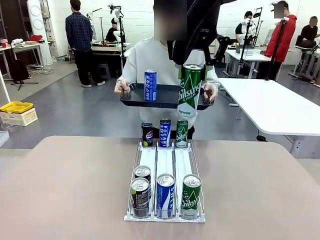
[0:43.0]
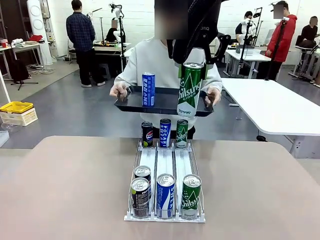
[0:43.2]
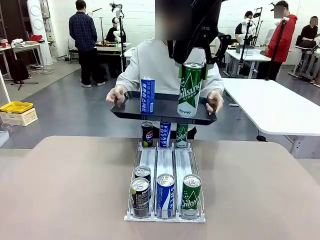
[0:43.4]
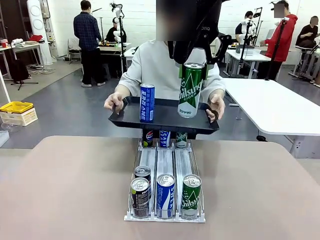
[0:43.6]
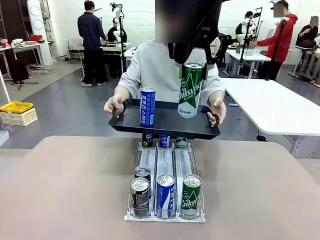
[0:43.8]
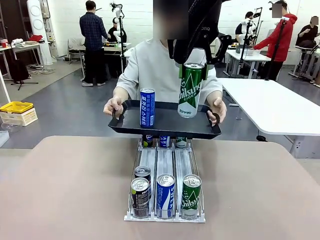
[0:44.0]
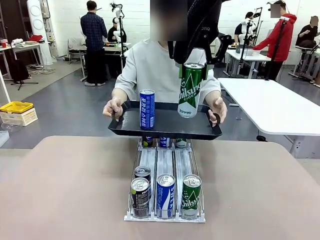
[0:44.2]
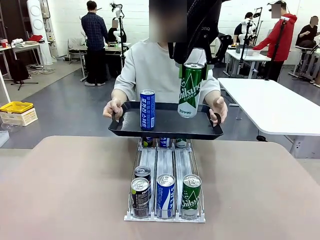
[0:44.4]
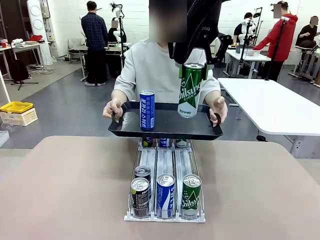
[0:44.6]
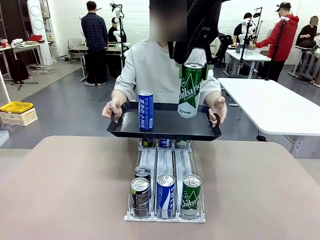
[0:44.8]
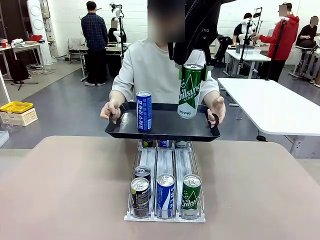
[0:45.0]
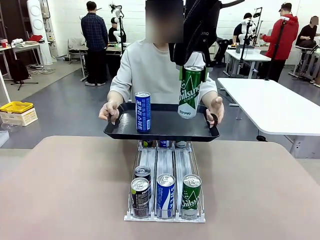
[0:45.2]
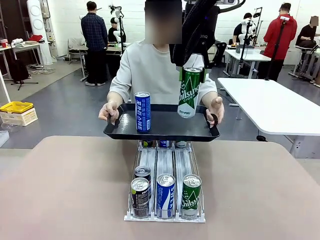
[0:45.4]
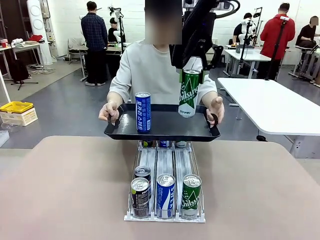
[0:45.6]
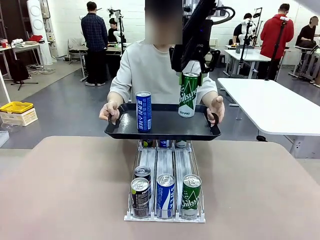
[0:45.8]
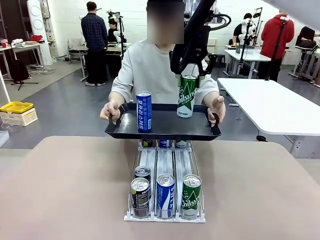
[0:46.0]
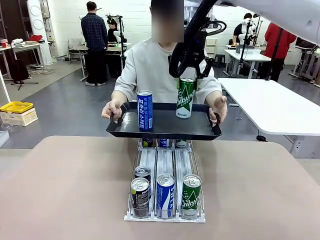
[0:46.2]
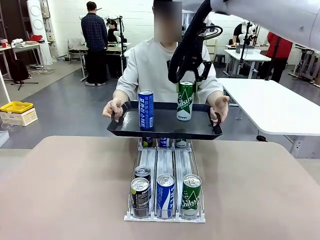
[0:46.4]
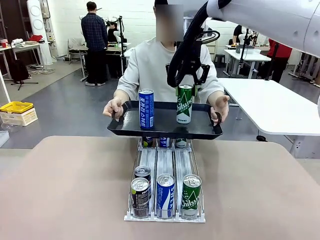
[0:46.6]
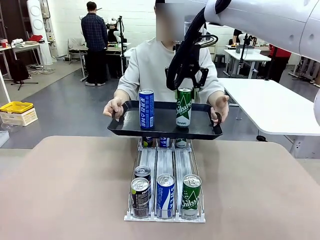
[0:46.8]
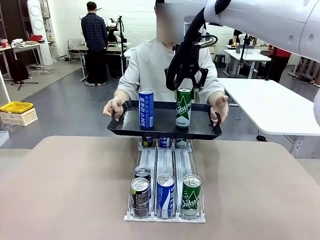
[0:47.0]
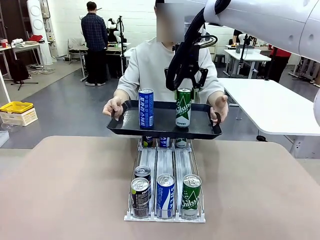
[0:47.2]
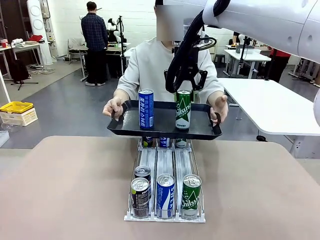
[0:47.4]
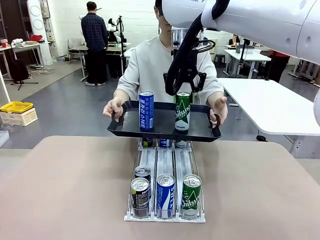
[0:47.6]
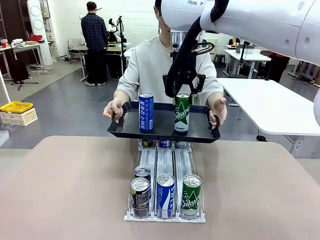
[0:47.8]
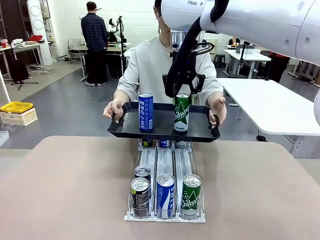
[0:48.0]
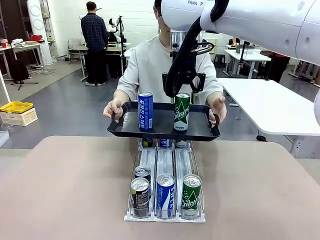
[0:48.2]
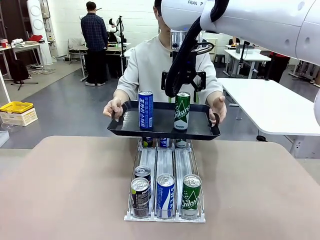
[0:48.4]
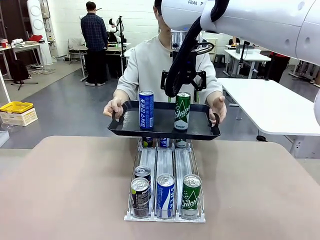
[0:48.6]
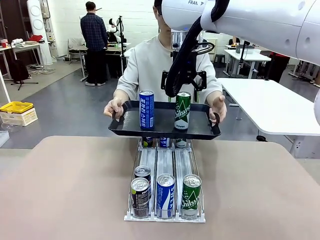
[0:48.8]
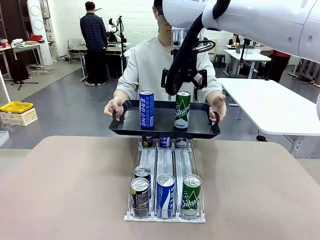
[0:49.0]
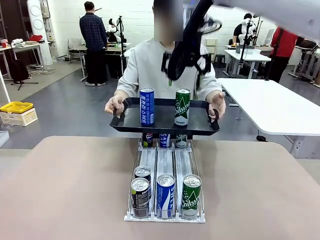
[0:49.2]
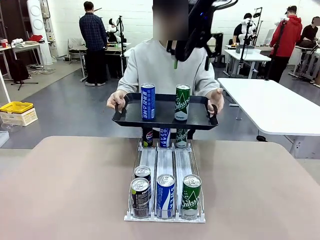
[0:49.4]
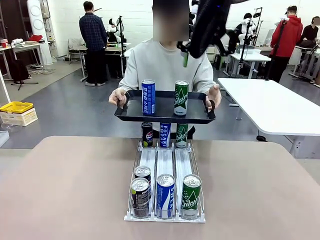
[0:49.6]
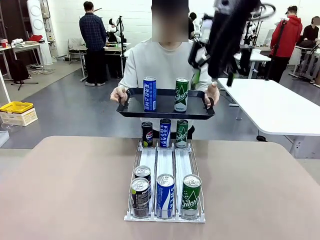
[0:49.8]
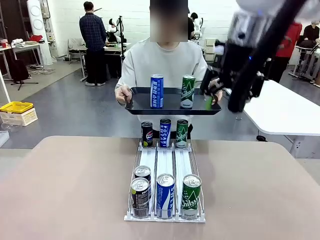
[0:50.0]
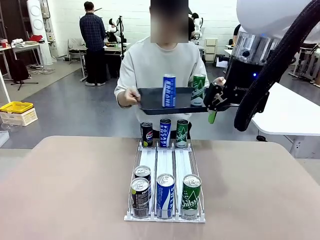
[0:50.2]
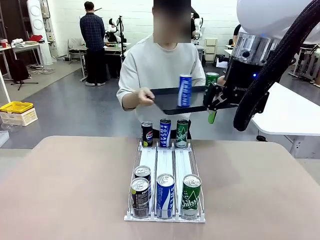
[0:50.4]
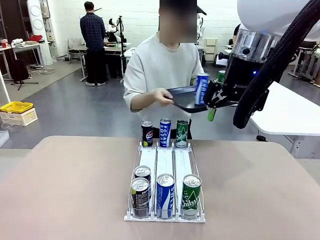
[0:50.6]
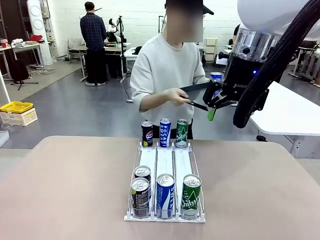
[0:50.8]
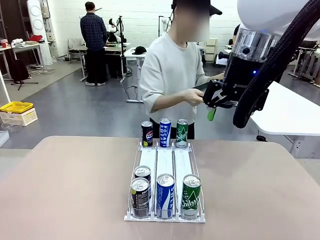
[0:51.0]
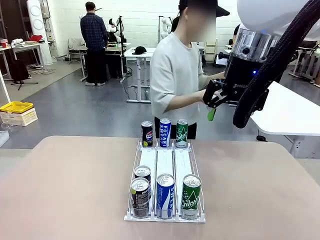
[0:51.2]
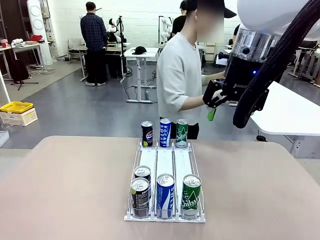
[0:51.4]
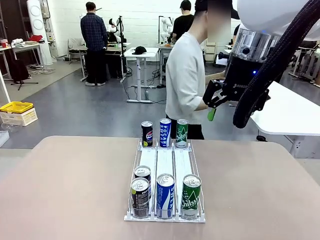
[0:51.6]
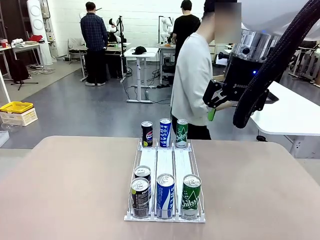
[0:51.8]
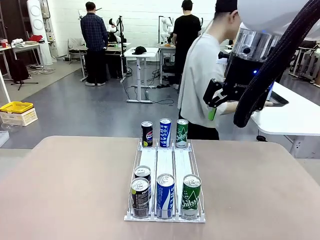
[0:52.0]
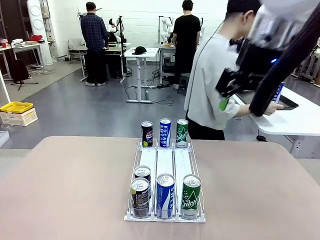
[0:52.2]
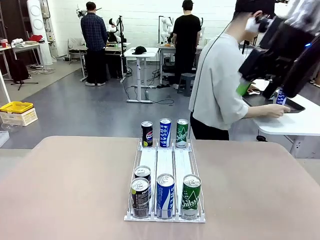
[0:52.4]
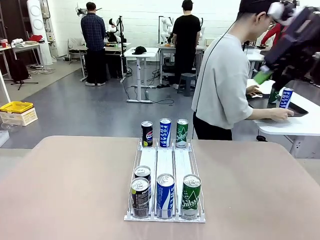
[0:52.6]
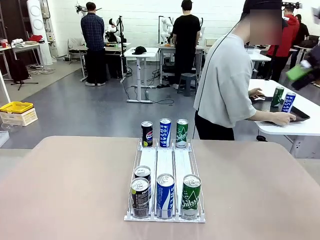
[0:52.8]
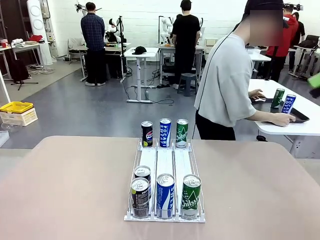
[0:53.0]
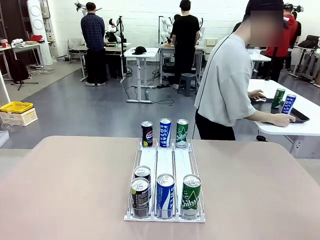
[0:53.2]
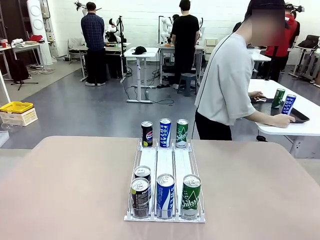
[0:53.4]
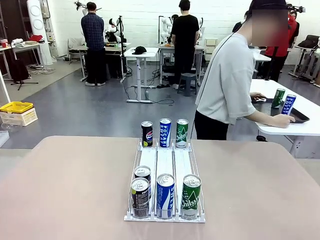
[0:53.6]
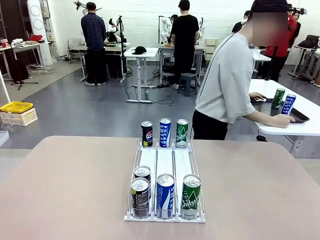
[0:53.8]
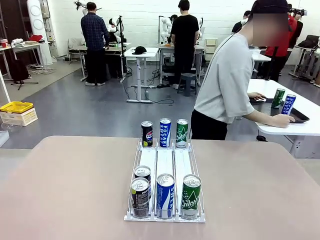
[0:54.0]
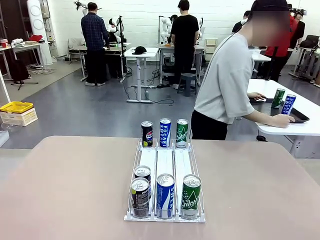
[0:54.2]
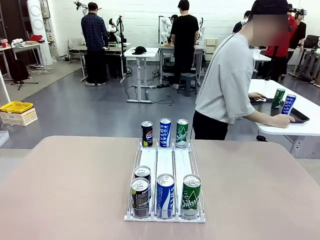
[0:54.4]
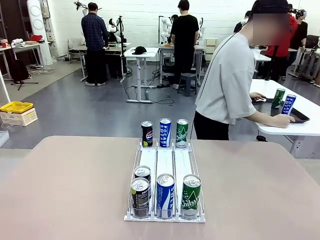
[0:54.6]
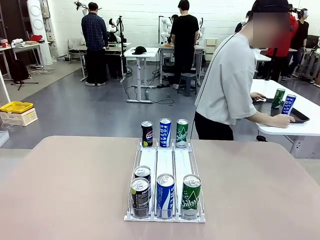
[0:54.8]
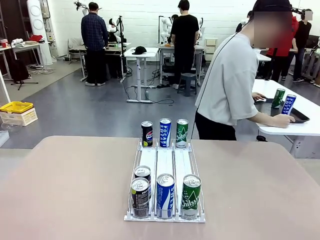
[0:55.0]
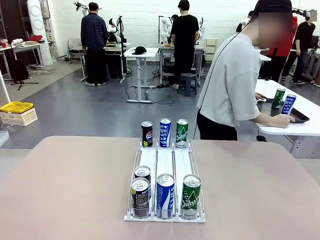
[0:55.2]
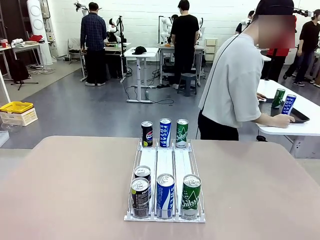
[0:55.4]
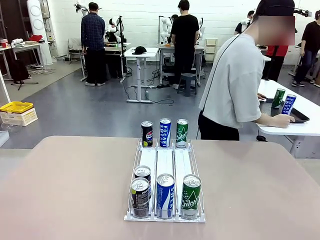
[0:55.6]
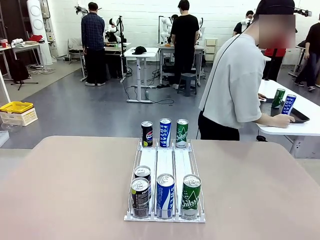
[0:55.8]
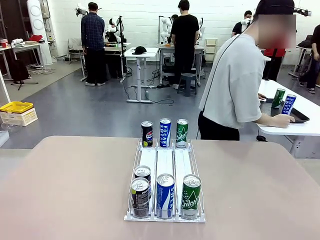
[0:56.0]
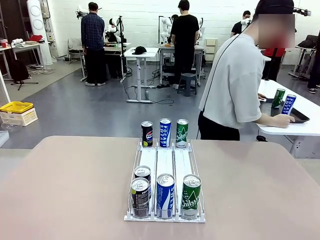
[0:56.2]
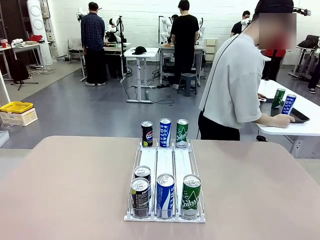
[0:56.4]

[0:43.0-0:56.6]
Task: Retrieve and hand over the desired beverage to the person.
Robot: Place the picked can on the Handle tray extended by the person.
Person: Pull the tray back and place it at the center of the human table.

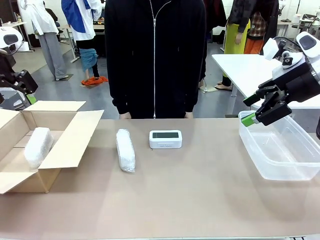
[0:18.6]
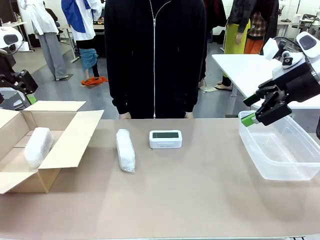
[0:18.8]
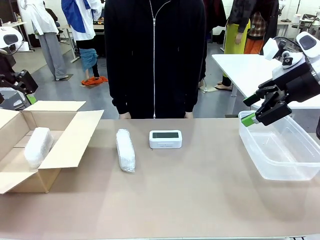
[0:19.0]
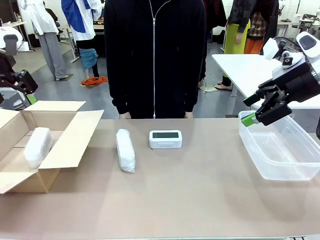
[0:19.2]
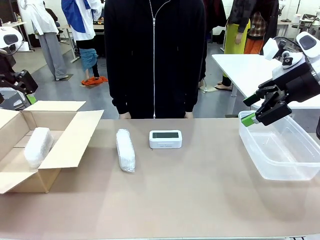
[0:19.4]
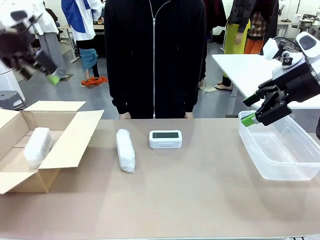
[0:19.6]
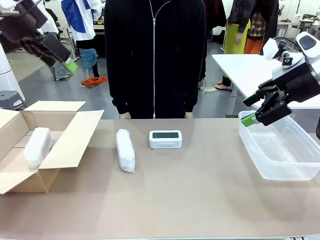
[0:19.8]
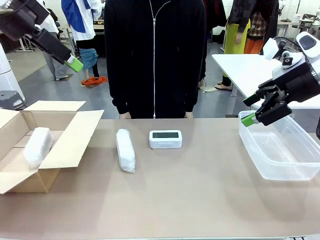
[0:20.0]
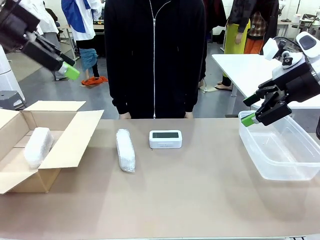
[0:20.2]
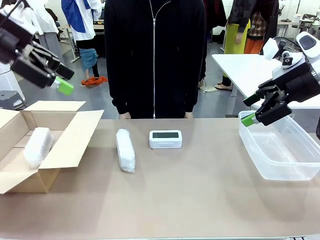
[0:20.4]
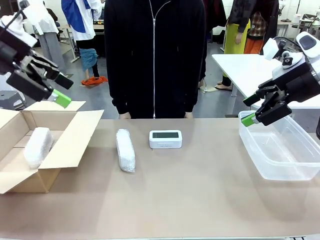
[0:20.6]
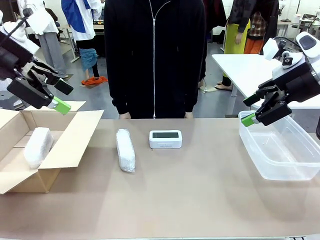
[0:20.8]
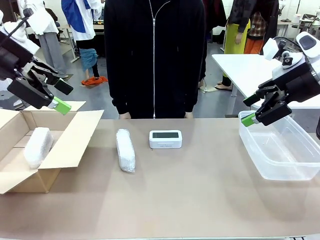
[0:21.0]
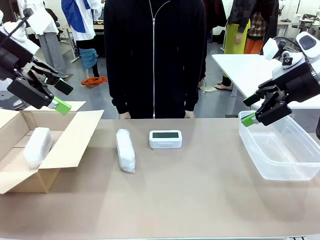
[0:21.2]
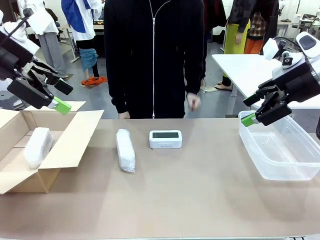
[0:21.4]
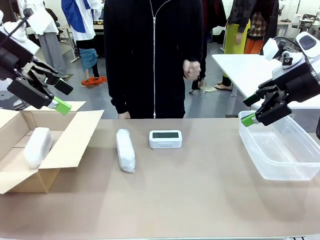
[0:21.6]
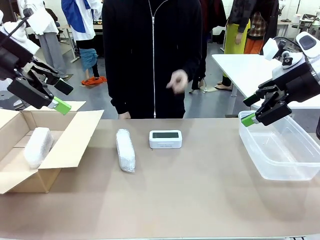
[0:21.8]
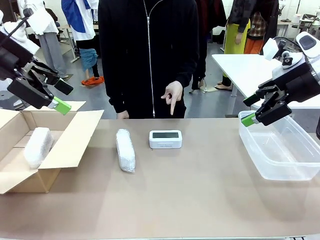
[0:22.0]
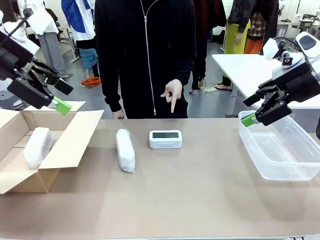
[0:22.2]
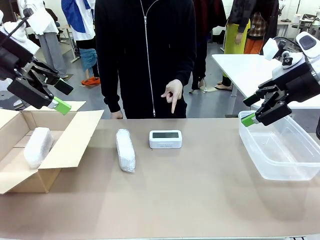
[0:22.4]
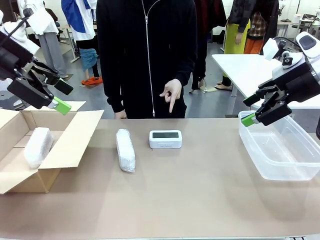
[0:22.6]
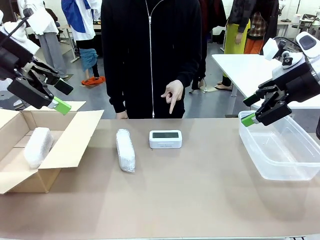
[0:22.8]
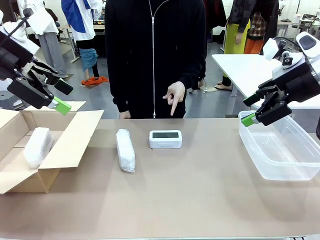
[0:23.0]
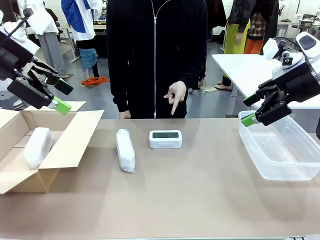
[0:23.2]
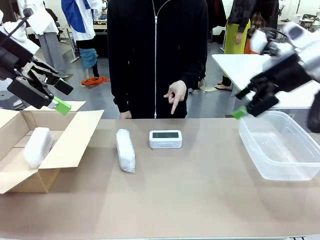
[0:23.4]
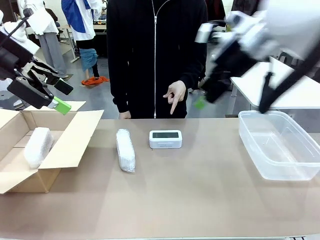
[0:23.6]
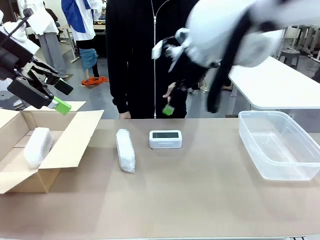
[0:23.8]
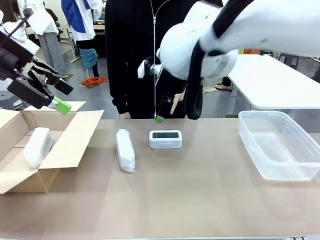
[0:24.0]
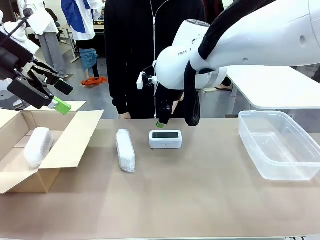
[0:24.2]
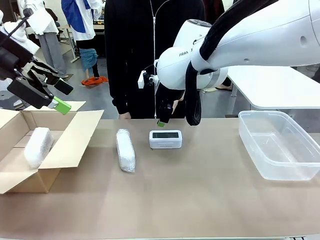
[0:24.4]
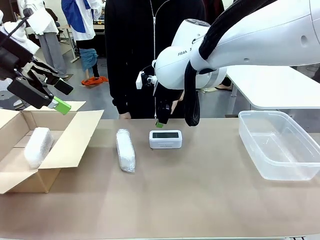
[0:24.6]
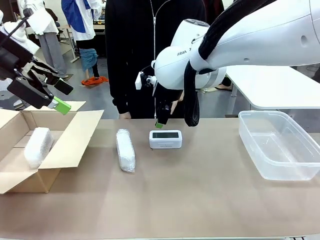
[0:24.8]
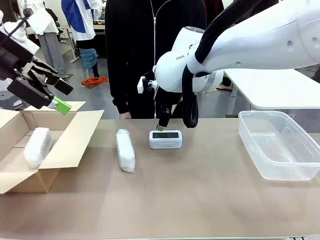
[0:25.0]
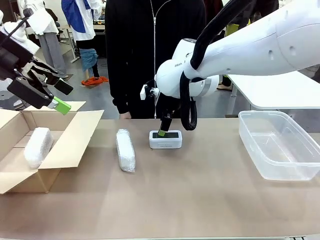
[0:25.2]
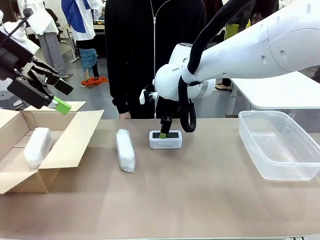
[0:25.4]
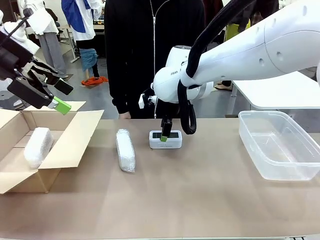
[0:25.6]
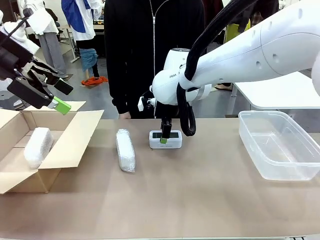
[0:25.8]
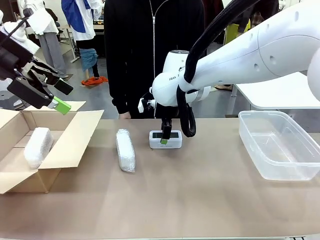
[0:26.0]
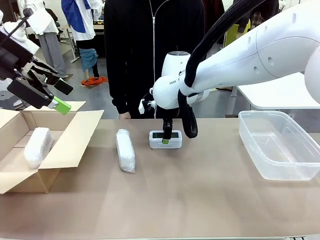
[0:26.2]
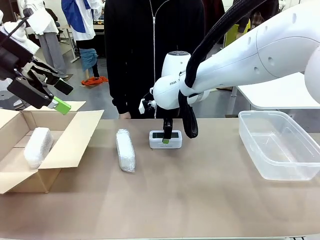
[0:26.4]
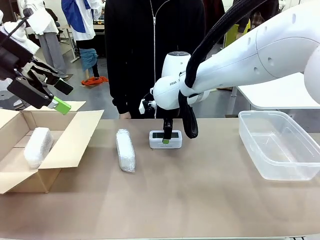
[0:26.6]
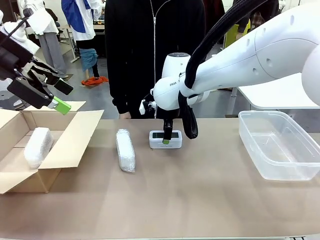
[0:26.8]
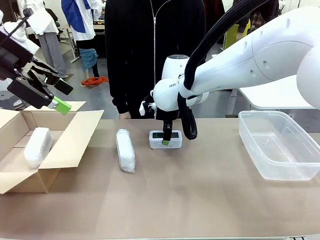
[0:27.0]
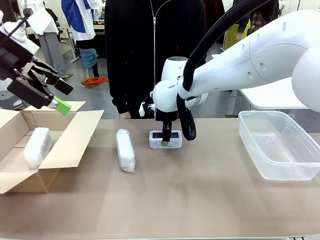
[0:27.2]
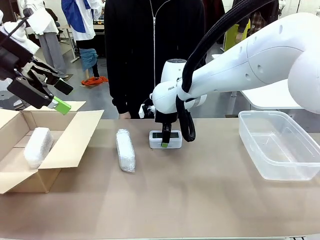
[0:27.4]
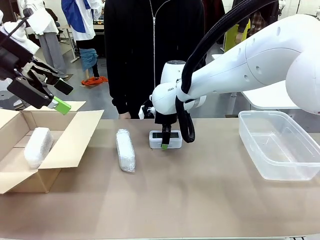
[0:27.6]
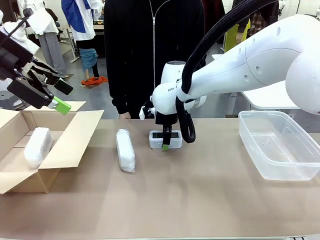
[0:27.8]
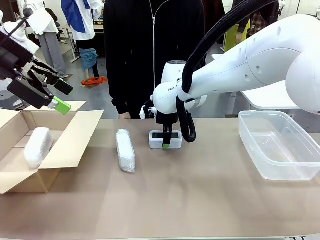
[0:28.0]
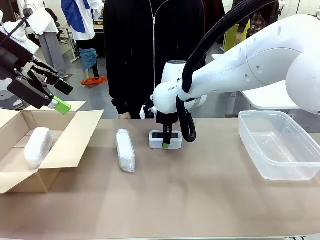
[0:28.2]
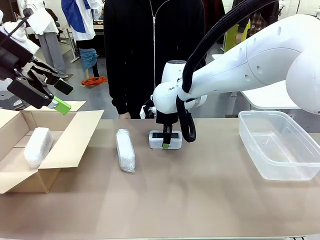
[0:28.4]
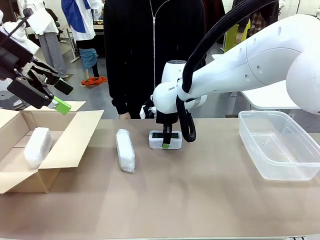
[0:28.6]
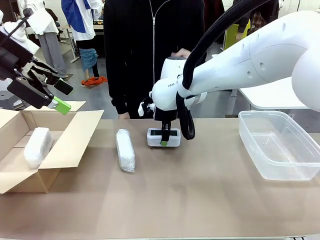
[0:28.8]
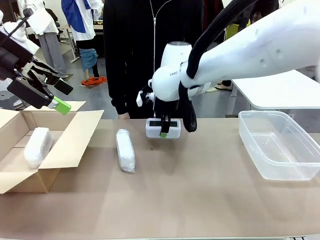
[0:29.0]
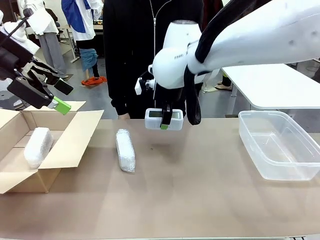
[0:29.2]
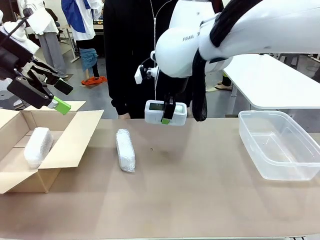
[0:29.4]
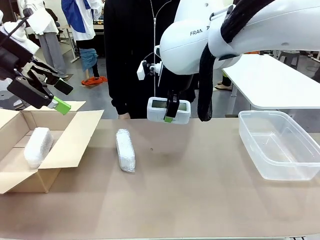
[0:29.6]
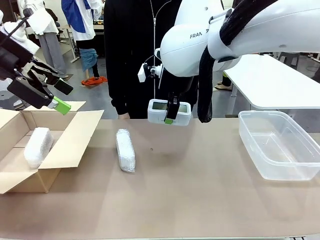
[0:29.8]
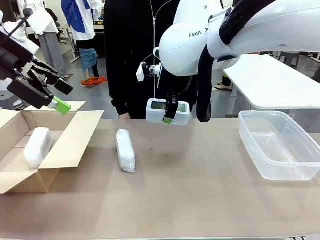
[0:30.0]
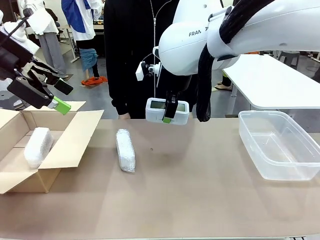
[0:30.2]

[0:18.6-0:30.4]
Task: Separate and place wrapped and unwrapped clocks.
Robot: Pick up the Digital clock indicated by the person.
